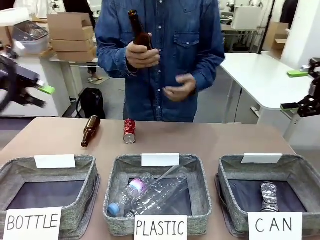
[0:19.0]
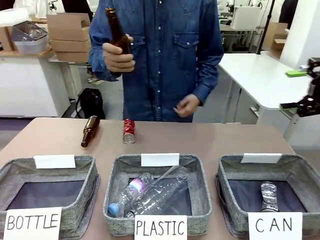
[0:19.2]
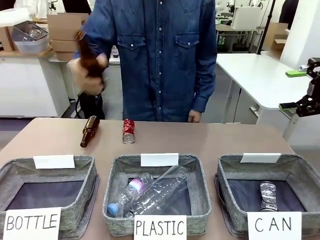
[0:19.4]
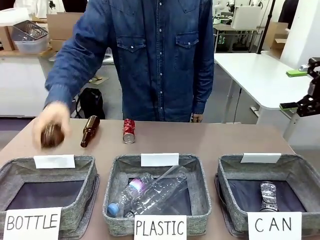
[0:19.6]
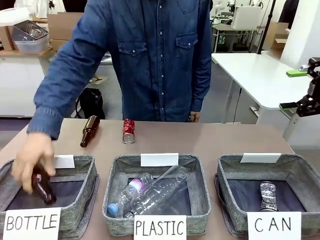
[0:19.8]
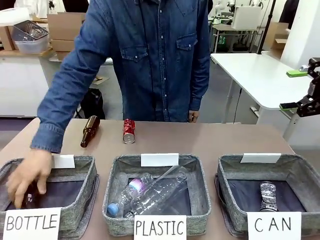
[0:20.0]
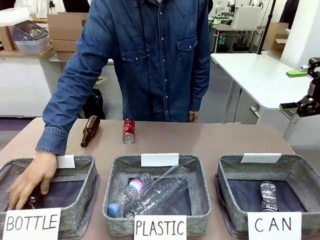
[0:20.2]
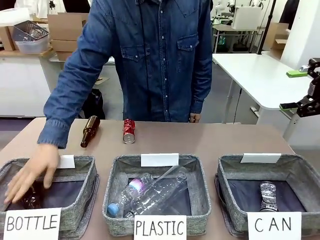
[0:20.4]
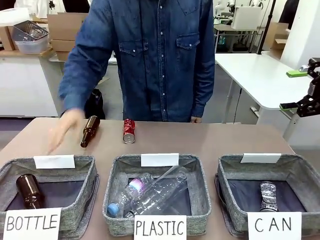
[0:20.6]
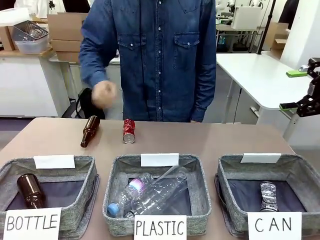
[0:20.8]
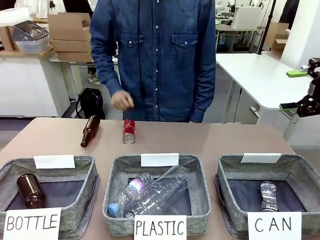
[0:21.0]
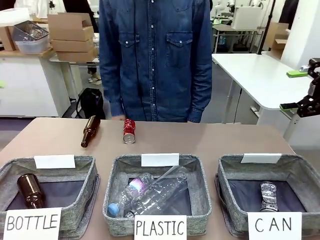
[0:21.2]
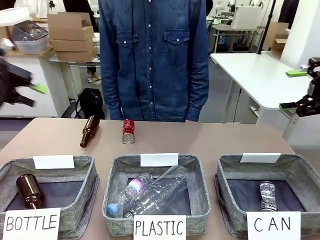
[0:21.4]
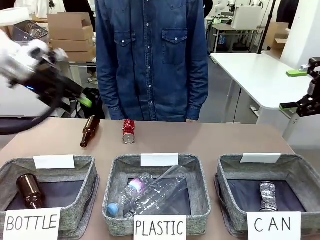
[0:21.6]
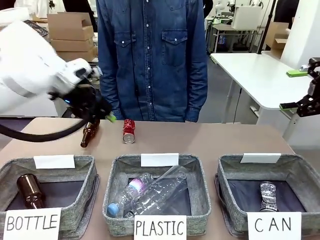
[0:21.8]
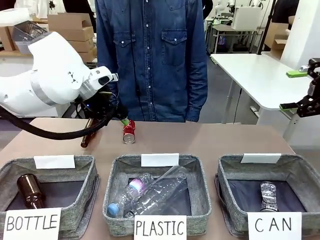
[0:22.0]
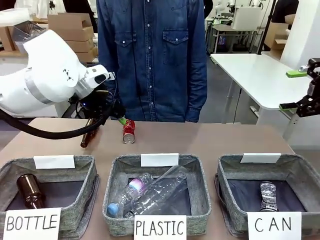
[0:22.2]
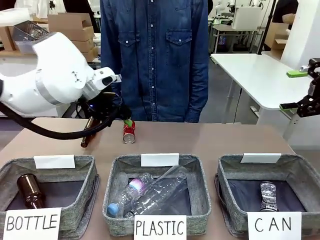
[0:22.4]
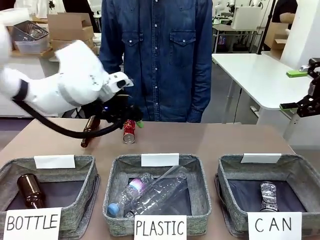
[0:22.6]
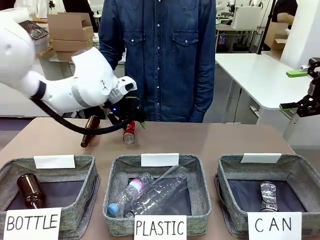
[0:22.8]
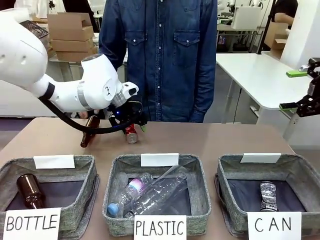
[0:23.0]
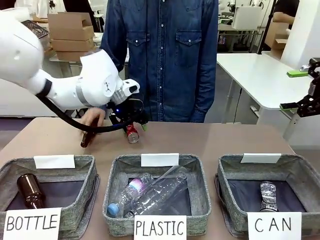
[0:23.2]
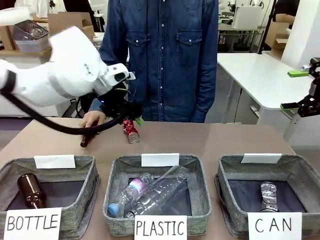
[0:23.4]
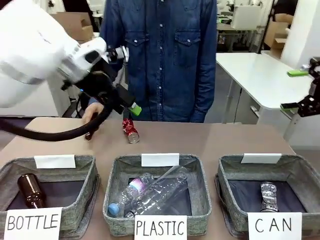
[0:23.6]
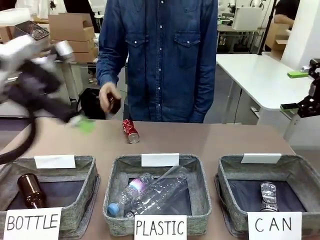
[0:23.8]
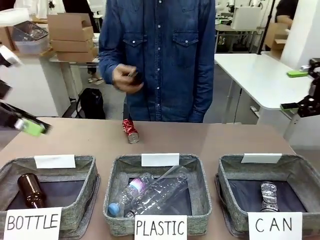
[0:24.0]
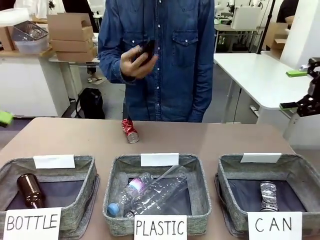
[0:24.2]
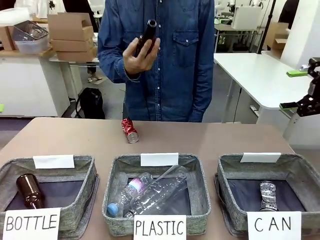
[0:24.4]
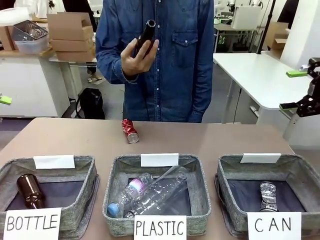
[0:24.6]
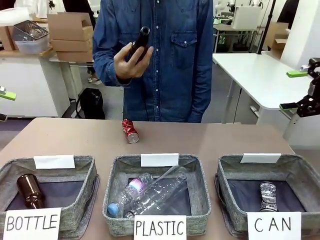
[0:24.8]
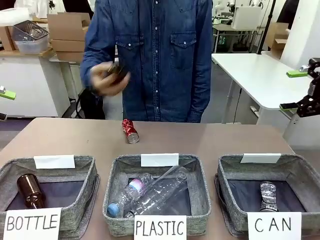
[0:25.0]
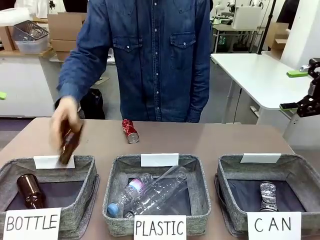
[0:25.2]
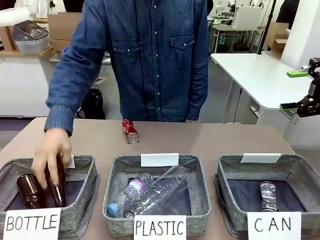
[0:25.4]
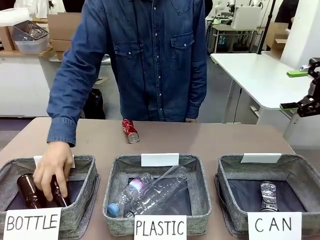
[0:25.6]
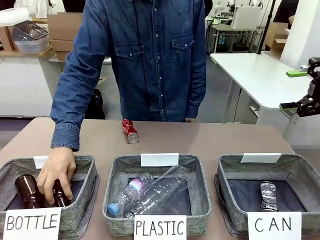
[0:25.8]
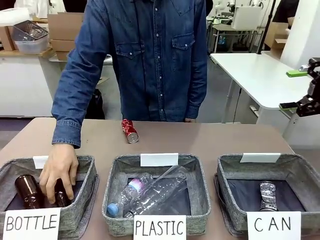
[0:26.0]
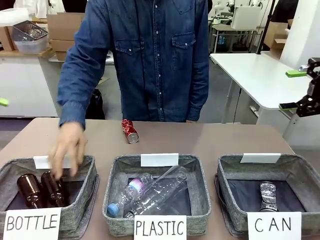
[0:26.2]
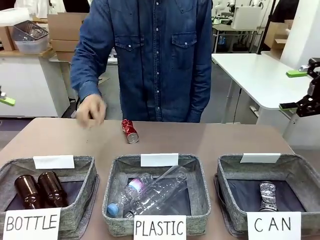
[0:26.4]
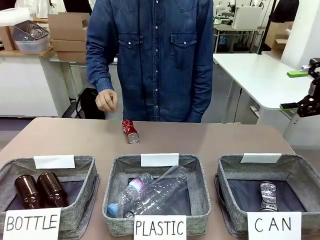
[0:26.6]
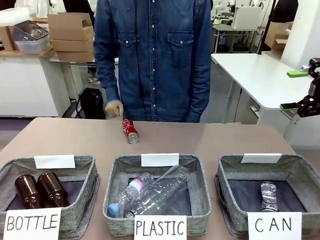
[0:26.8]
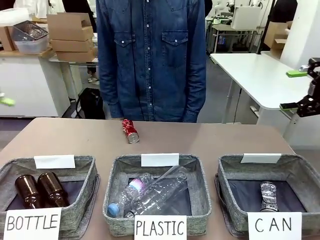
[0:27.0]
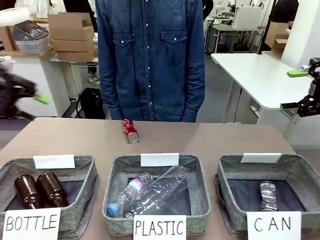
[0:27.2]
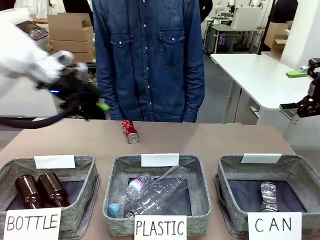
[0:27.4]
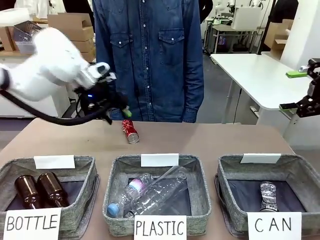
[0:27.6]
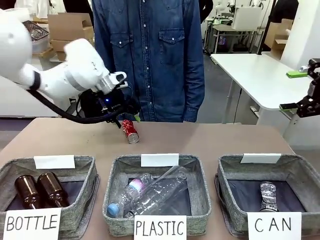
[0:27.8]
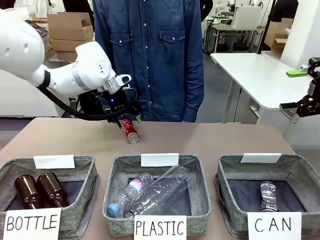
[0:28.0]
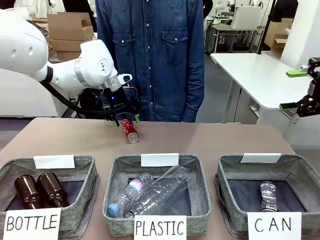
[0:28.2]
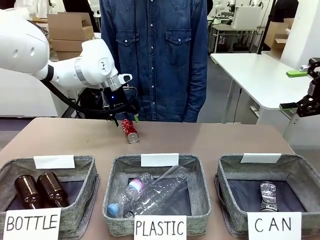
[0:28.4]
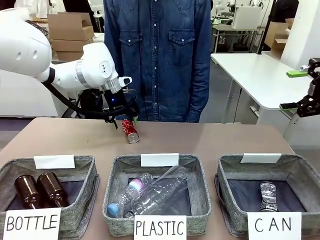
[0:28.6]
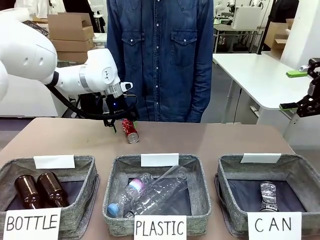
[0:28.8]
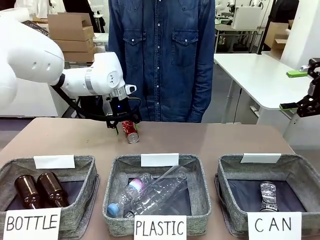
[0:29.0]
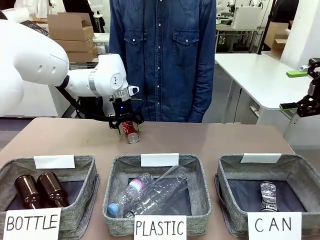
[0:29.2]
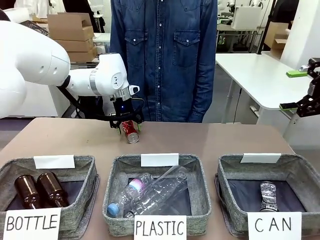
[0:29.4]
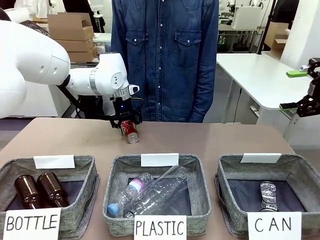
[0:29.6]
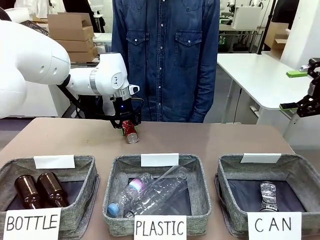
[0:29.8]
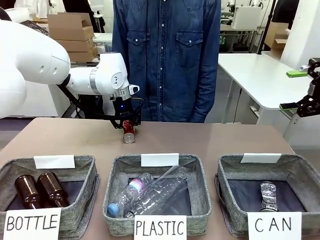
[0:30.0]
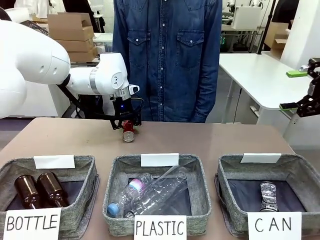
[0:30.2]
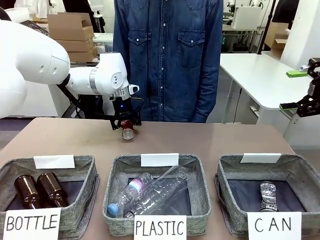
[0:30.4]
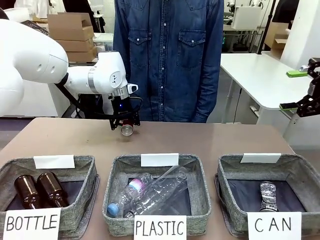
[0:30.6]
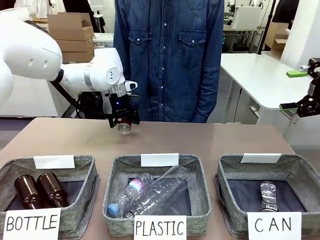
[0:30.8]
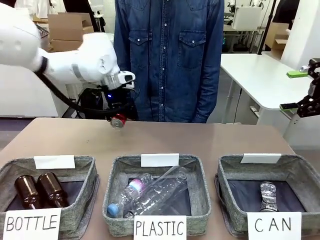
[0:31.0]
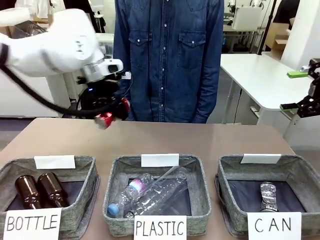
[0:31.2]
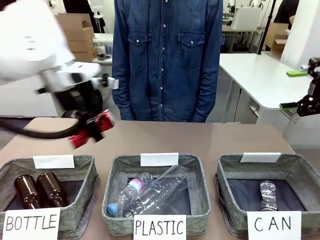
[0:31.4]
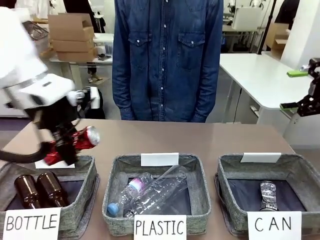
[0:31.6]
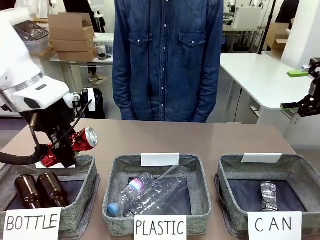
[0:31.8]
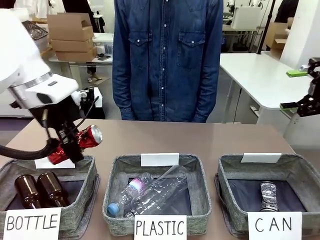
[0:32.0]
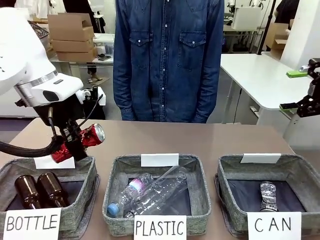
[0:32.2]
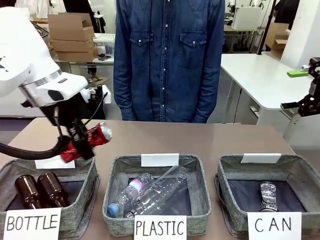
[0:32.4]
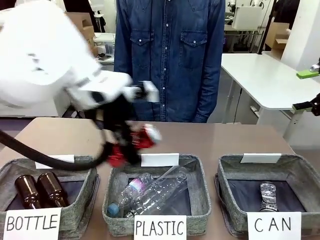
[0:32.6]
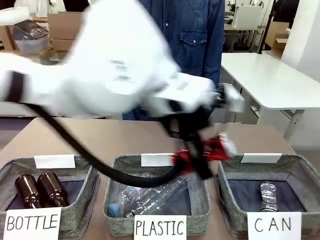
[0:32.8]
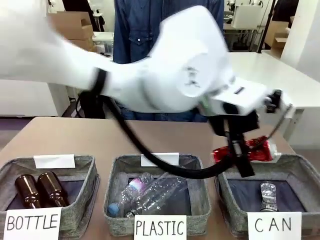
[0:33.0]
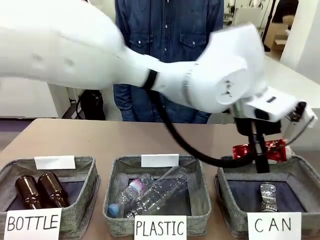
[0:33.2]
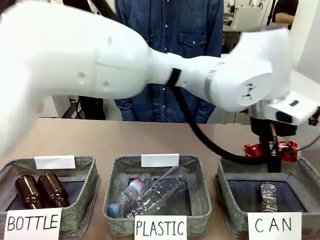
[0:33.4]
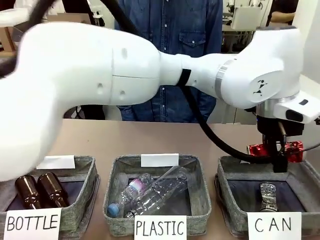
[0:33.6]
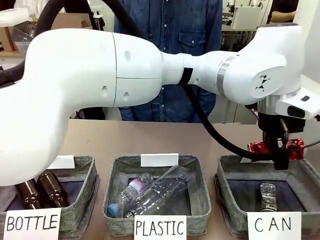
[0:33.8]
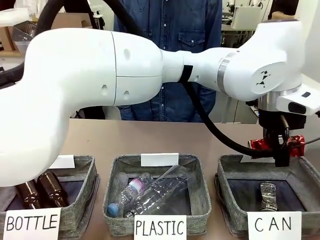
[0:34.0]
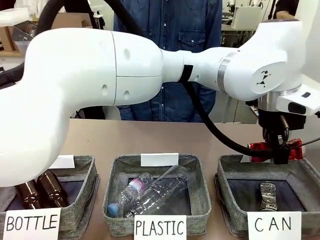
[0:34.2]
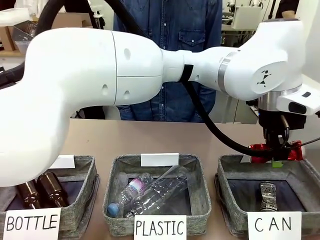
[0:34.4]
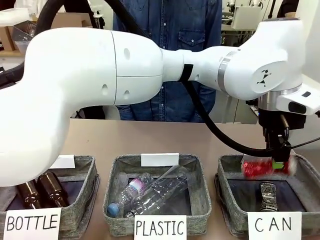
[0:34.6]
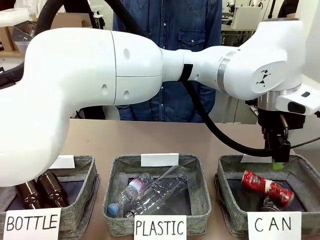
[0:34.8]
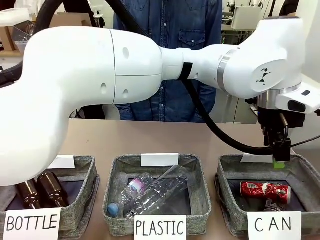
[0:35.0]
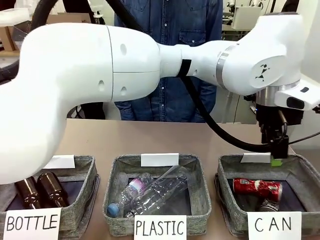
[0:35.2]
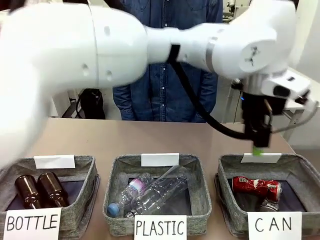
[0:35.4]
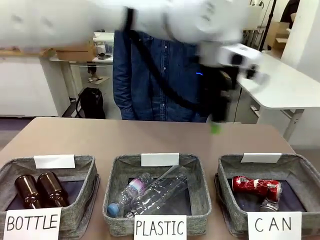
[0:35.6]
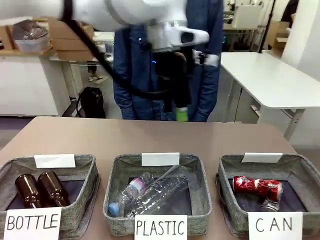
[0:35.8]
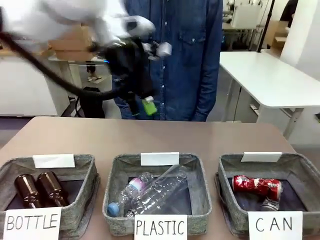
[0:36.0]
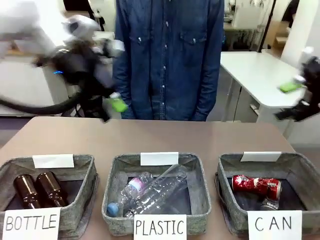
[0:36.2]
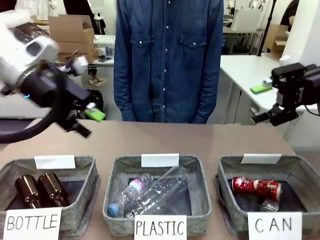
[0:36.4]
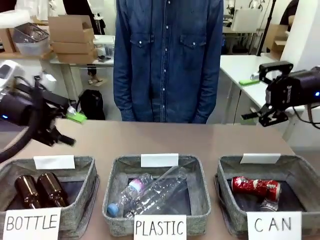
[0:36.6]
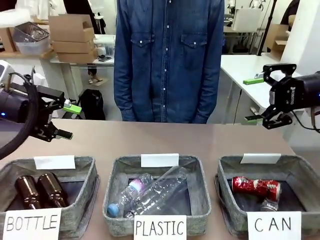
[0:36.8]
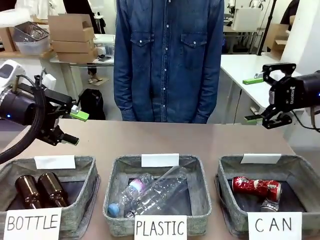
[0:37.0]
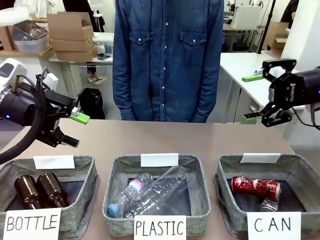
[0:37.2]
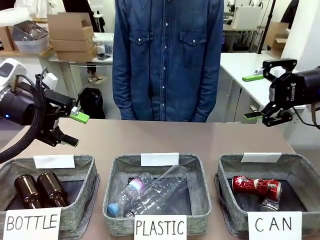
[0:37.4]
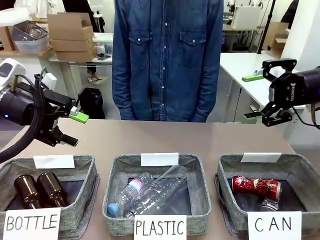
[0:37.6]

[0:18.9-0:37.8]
Task: Sort the can waste into the basket.
Robot: Pick up the can waste from the table and place it in the right Fabric basket.
